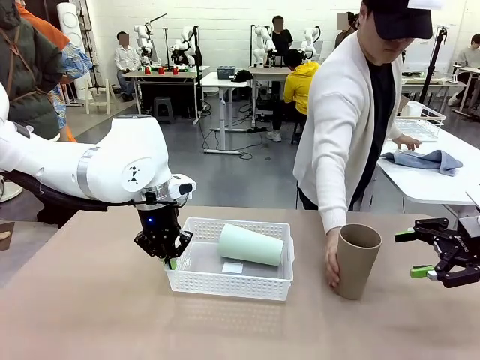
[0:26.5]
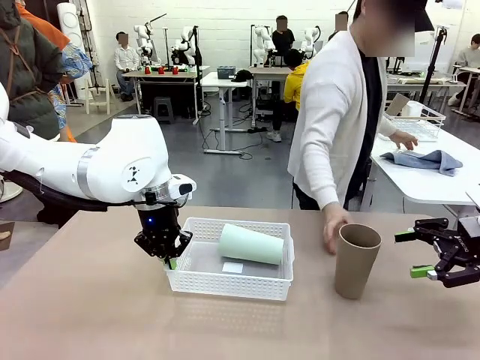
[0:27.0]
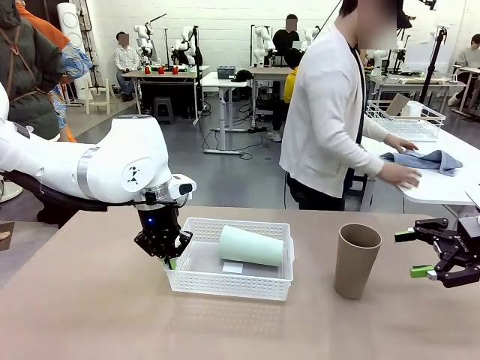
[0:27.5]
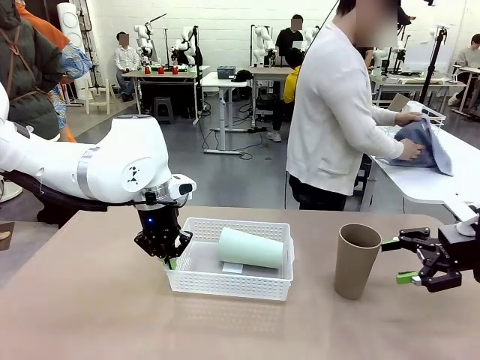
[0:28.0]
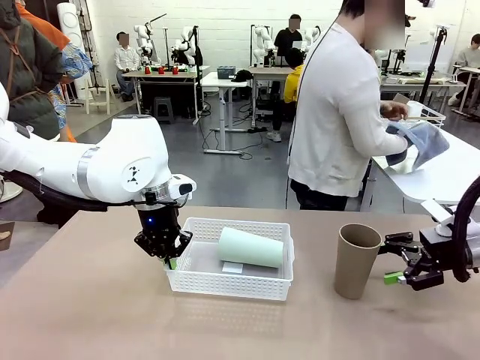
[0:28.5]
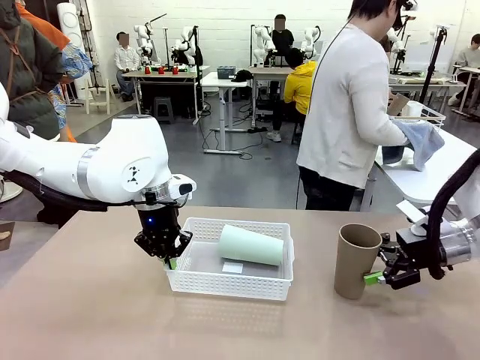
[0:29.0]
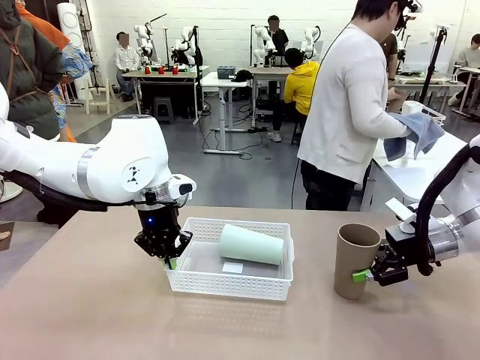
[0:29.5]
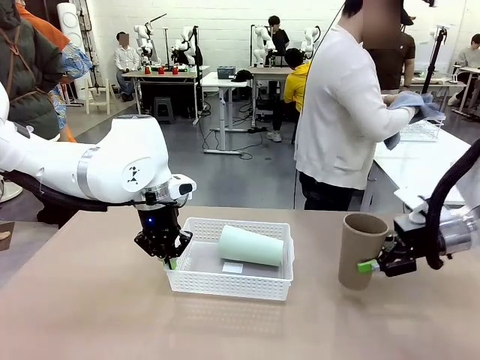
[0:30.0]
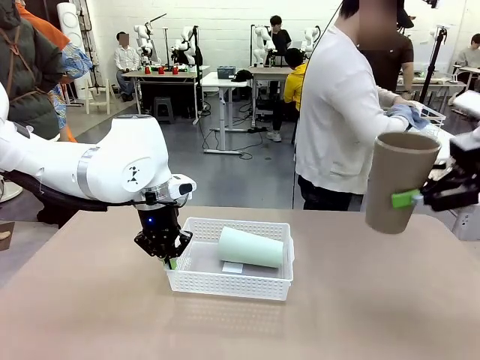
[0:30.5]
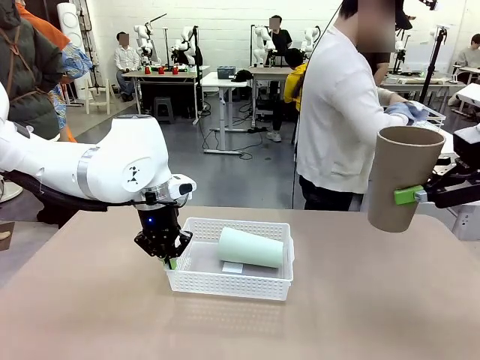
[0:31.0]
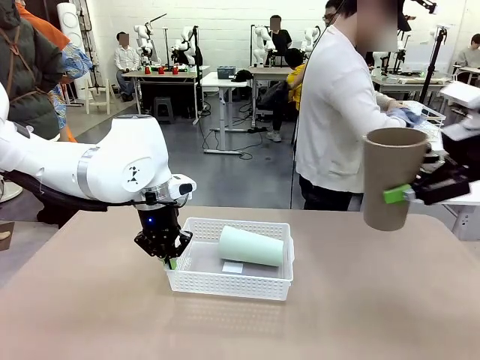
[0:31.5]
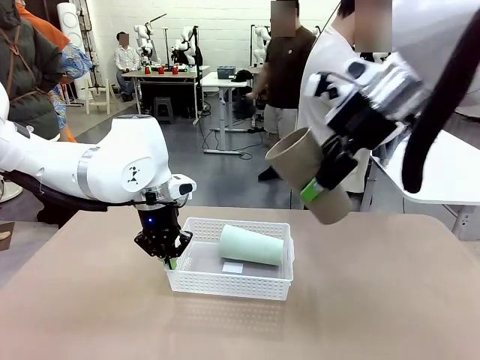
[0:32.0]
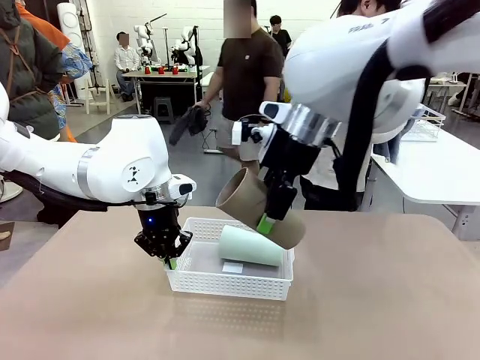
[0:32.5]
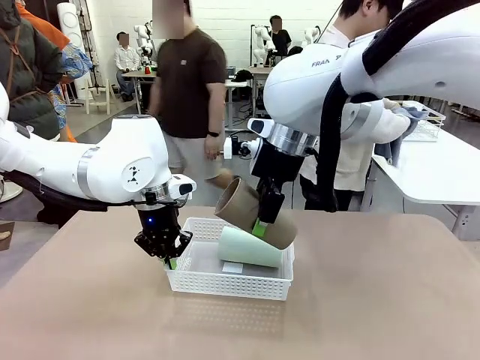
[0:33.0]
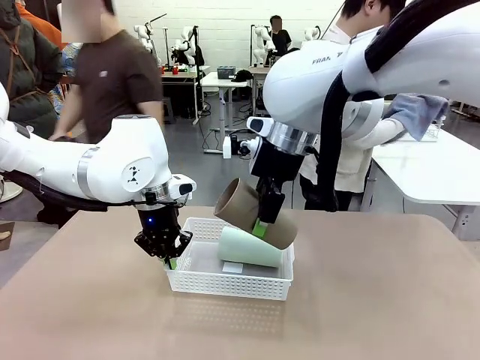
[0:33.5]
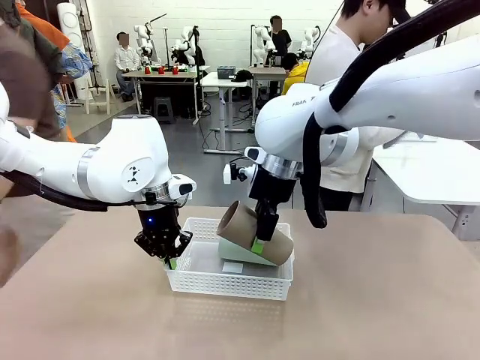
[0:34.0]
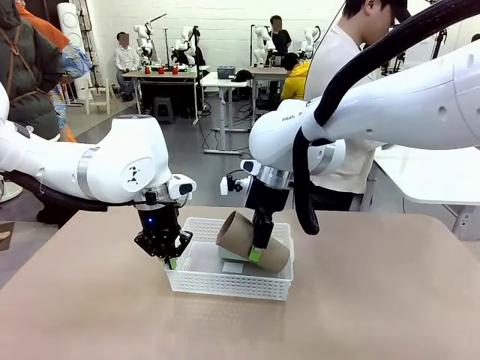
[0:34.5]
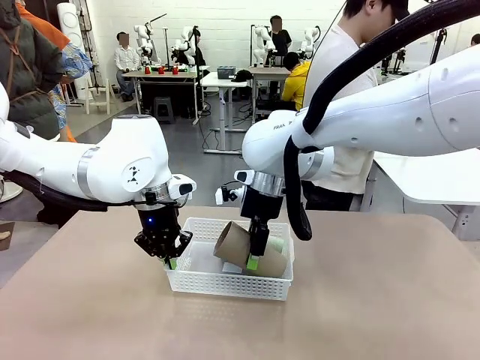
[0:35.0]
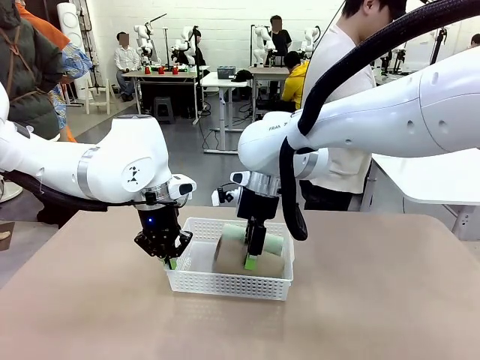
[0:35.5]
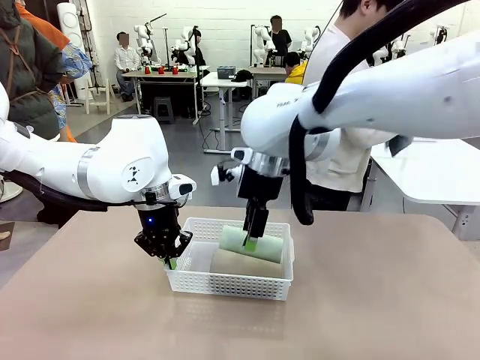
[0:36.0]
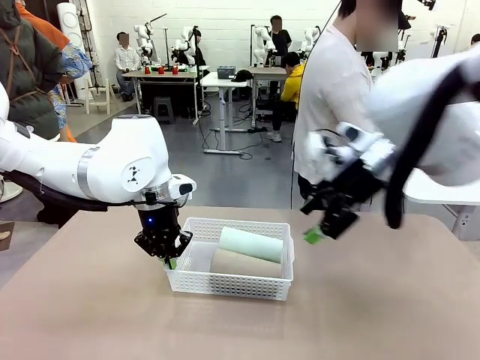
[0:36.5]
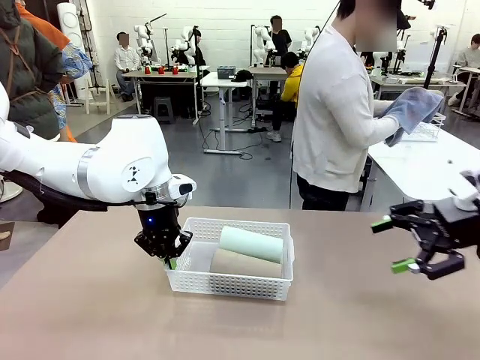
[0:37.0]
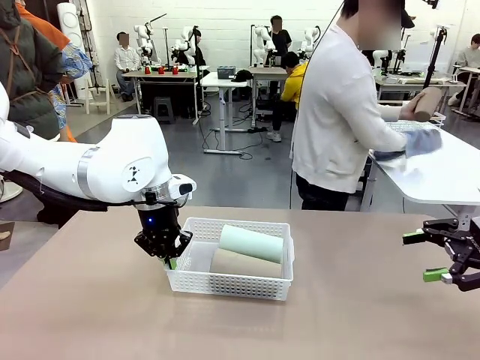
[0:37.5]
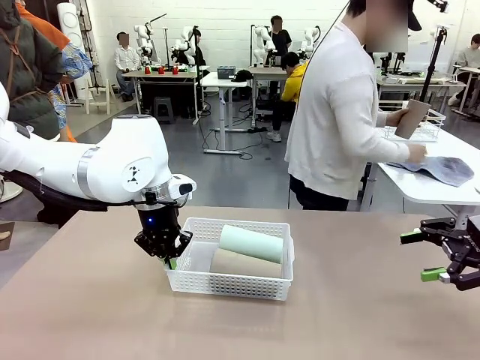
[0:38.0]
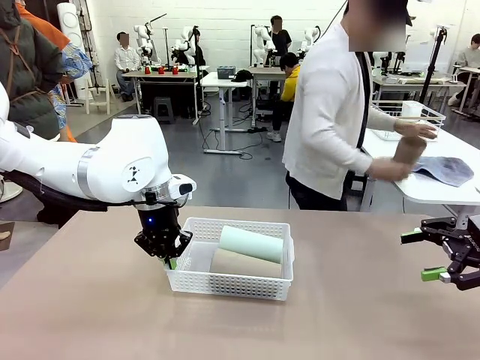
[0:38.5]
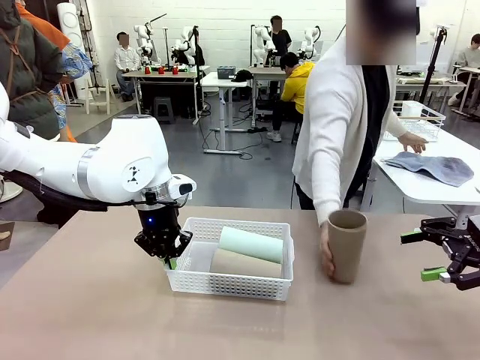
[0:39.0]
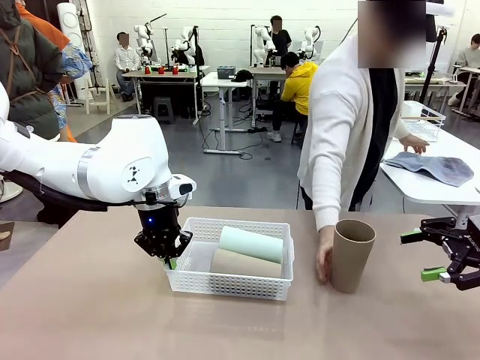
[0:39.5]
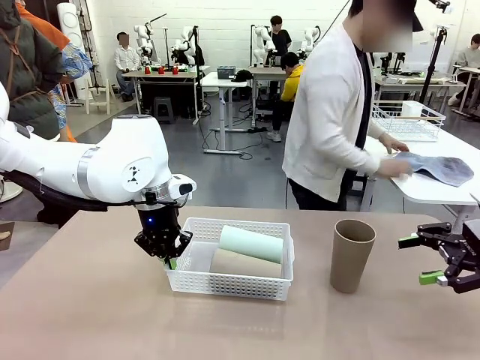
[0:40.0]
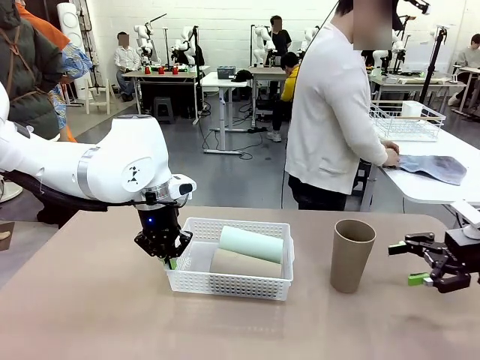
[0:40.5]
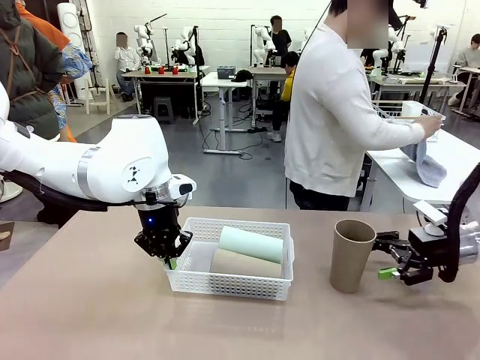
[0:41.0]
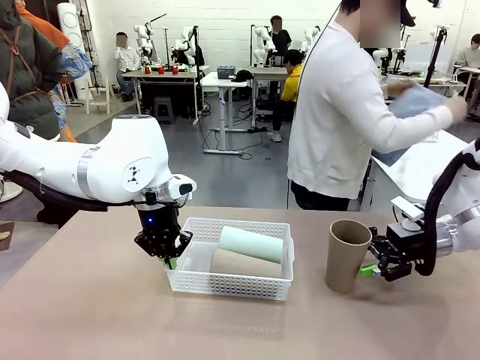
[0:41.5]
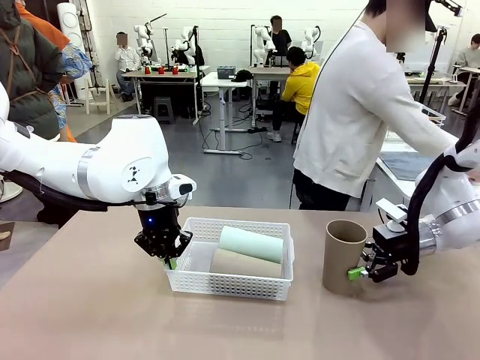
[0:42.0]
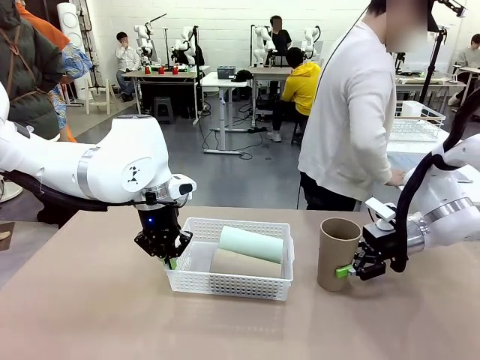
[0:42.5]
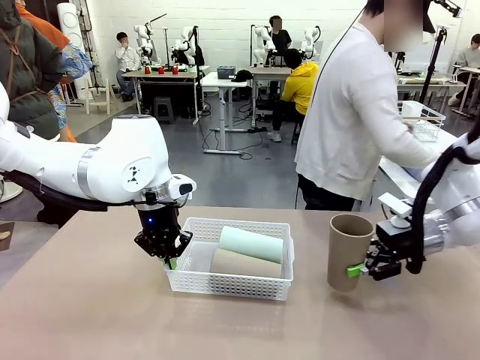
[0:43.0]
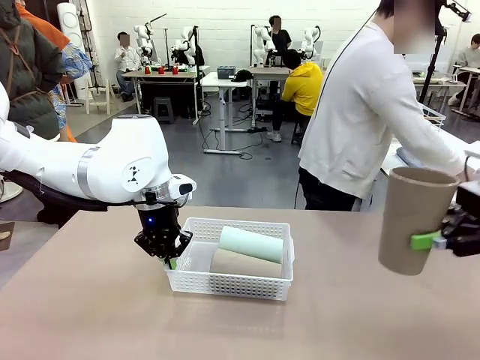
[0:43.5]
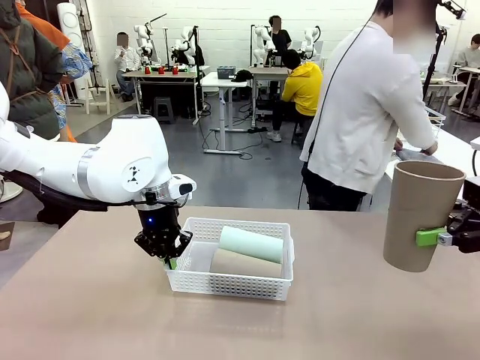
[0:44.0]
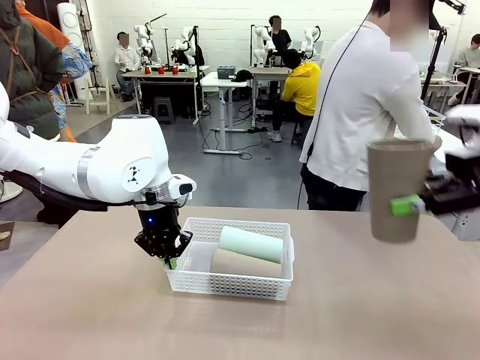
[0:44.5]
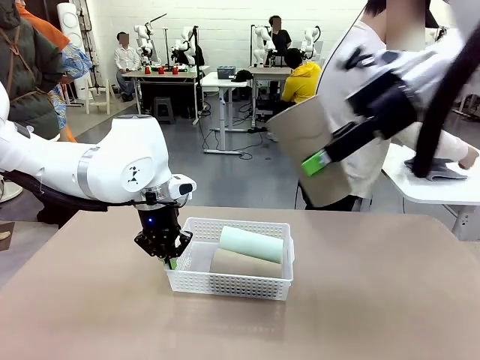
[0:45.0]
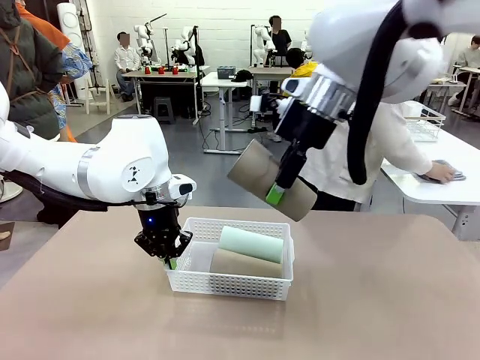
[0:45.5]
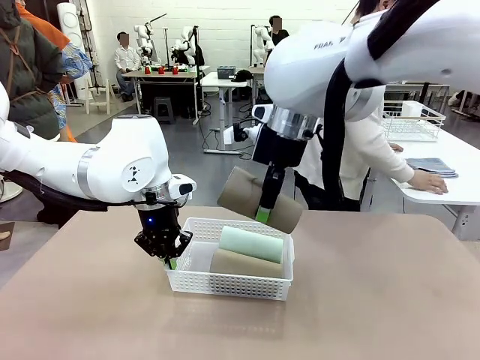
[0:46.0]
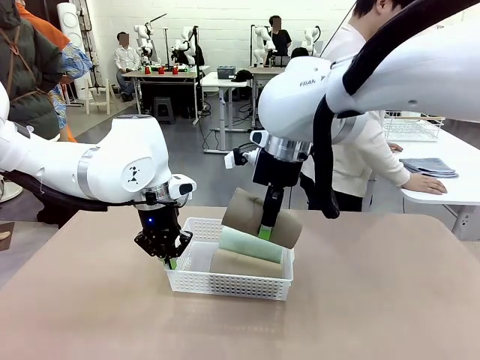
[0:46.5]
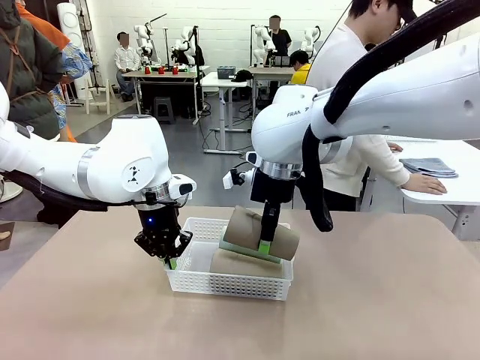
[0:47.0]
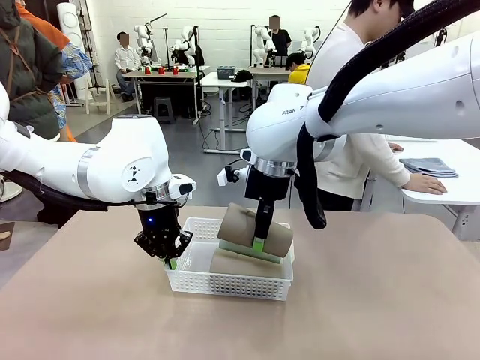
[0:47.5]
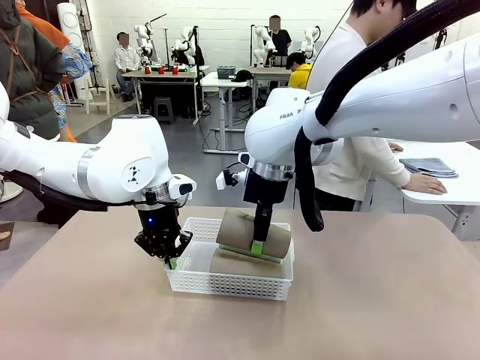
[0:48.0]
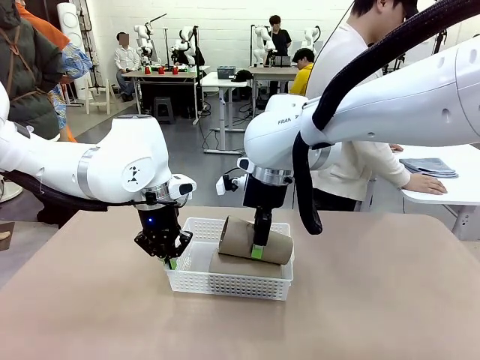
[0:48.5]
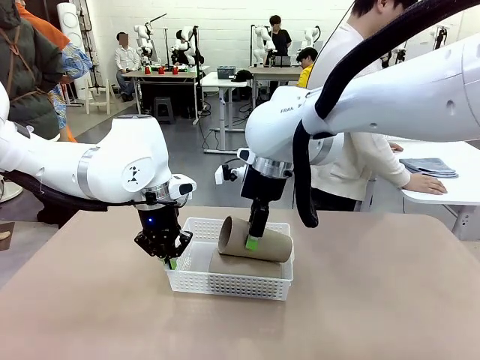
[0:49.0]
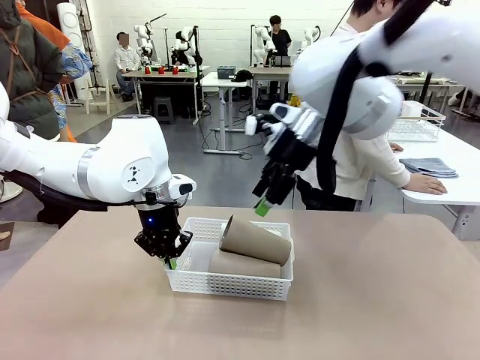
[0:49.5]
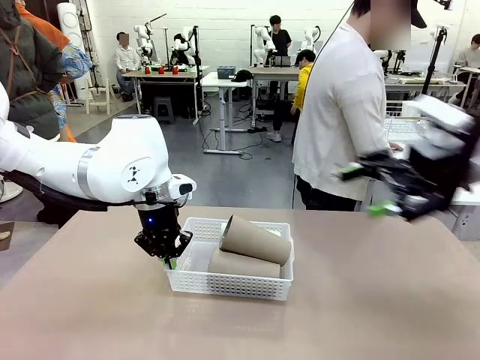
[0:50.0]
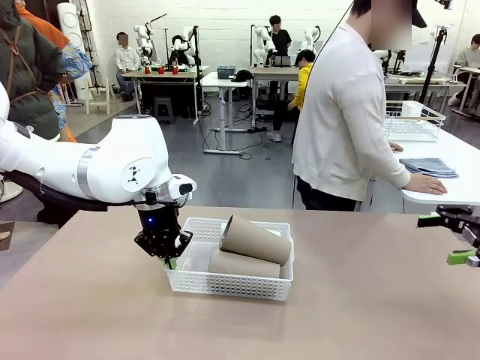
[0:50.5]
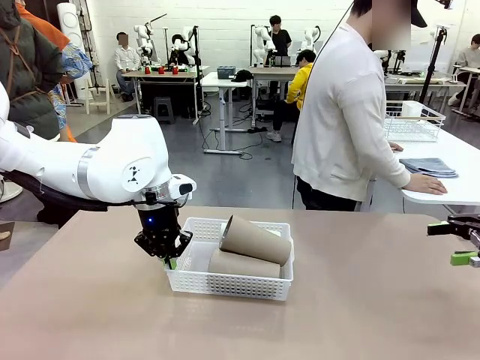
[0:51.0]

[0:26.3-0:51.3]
Task: Clean and organize the cups into the basket.
Robot: Pick up the Reusable plastic cup from the right side of the table and stack it inside the Organizing basket in the center of the table.
Person: Folds the towel in half twice and places it in the right of the table.
